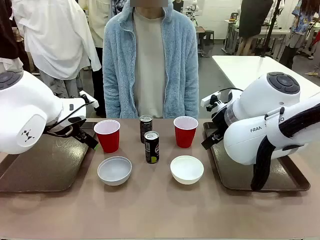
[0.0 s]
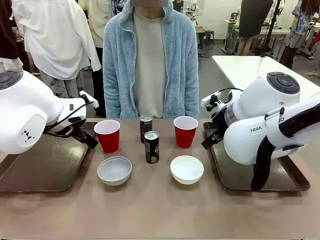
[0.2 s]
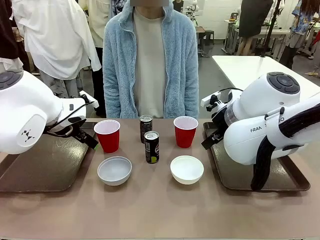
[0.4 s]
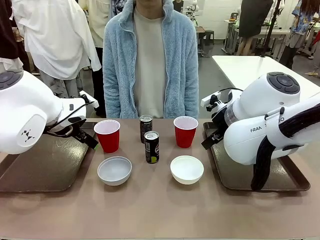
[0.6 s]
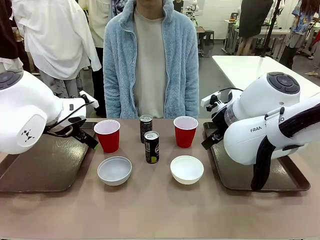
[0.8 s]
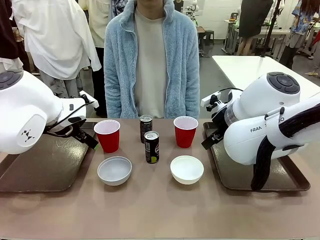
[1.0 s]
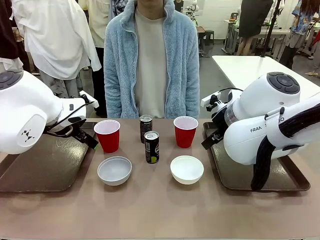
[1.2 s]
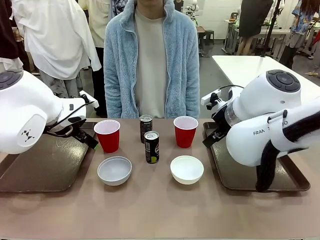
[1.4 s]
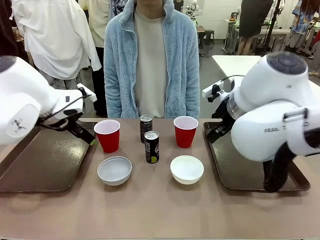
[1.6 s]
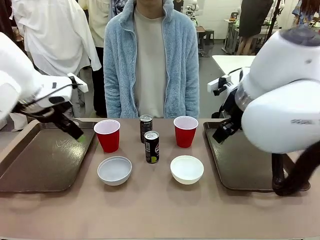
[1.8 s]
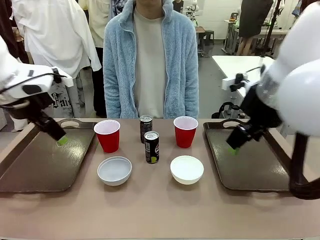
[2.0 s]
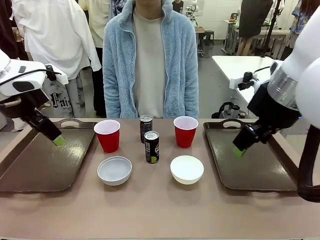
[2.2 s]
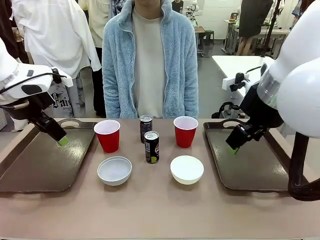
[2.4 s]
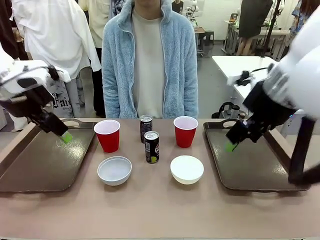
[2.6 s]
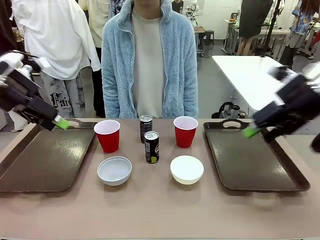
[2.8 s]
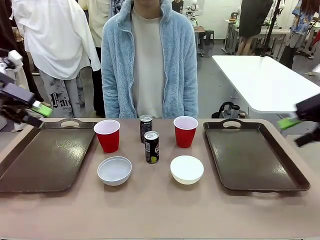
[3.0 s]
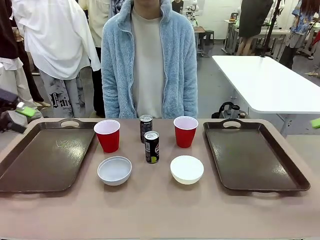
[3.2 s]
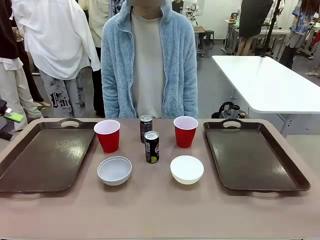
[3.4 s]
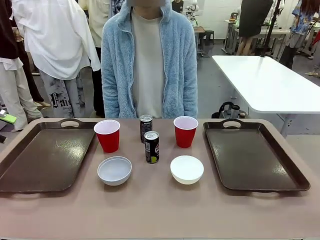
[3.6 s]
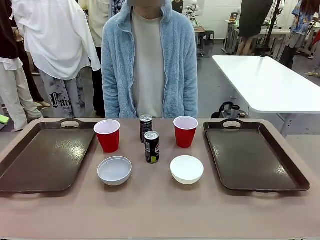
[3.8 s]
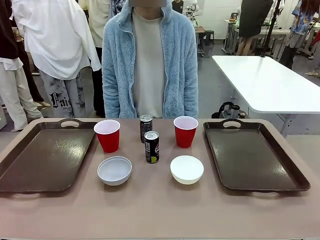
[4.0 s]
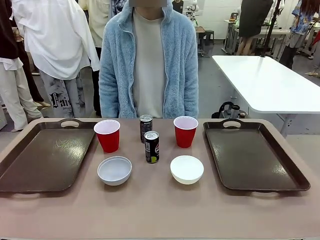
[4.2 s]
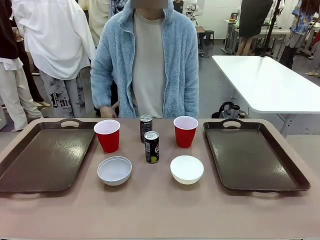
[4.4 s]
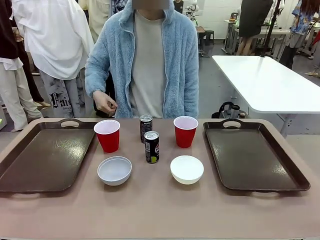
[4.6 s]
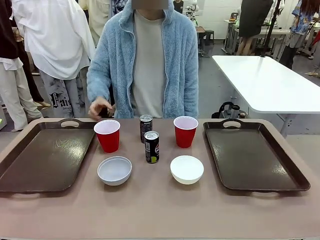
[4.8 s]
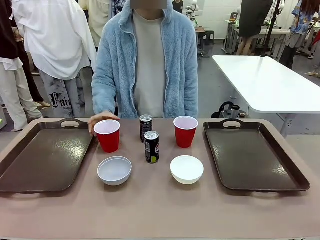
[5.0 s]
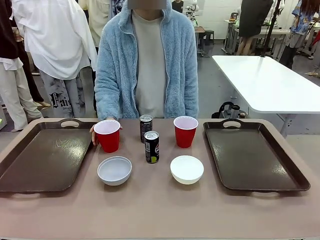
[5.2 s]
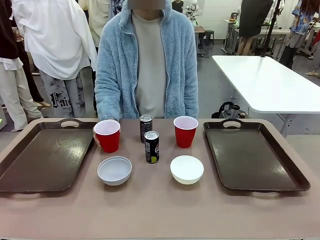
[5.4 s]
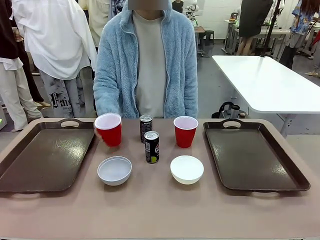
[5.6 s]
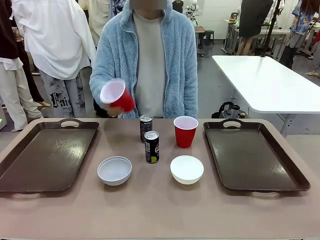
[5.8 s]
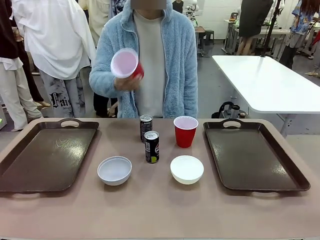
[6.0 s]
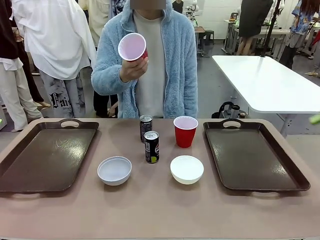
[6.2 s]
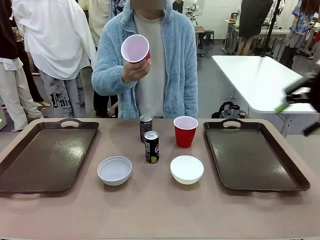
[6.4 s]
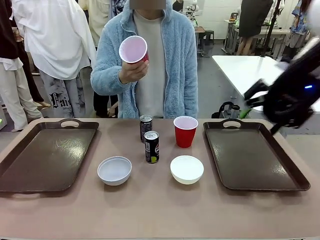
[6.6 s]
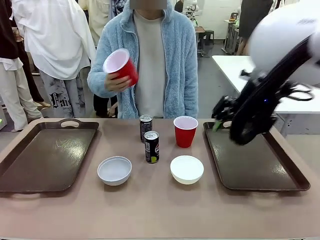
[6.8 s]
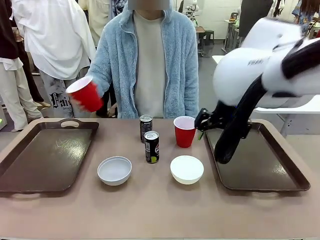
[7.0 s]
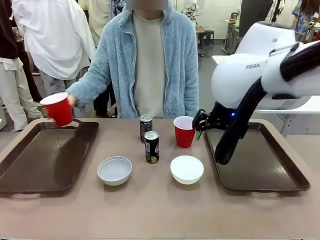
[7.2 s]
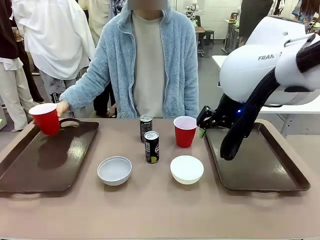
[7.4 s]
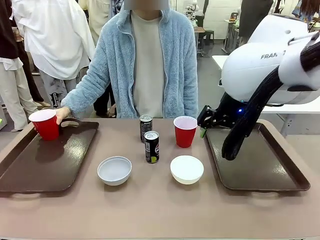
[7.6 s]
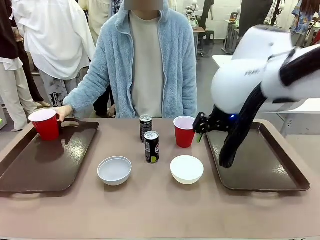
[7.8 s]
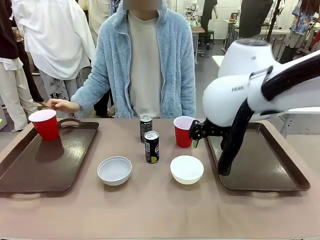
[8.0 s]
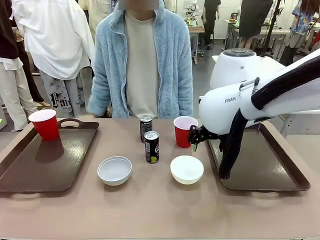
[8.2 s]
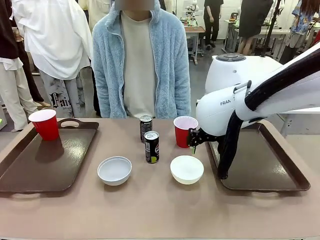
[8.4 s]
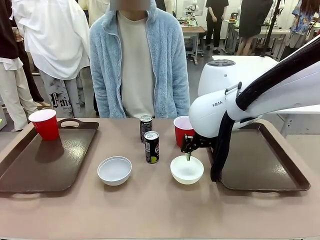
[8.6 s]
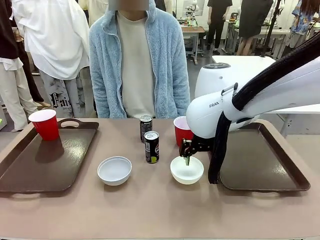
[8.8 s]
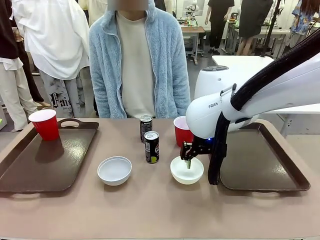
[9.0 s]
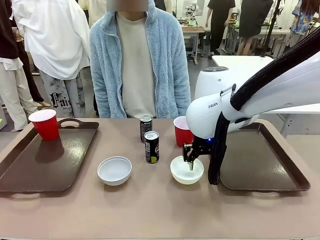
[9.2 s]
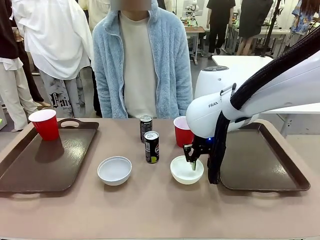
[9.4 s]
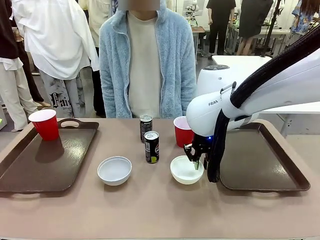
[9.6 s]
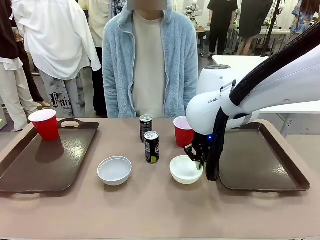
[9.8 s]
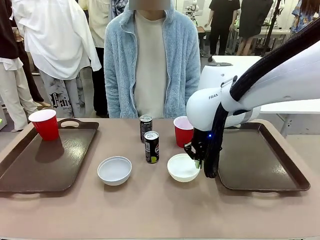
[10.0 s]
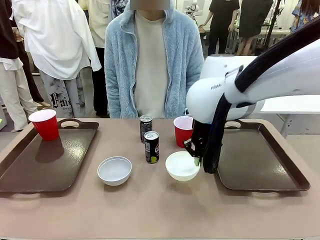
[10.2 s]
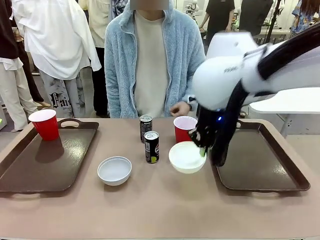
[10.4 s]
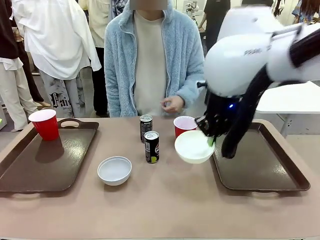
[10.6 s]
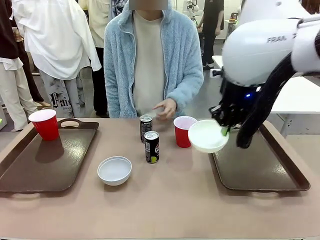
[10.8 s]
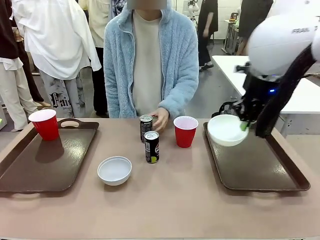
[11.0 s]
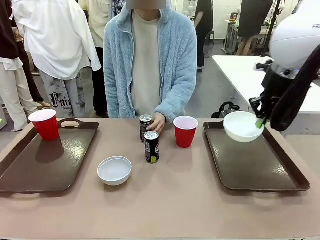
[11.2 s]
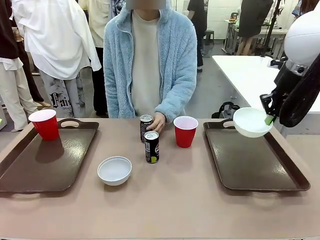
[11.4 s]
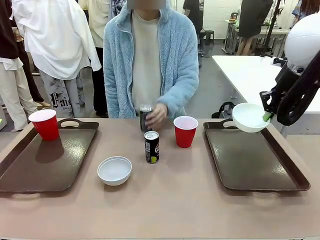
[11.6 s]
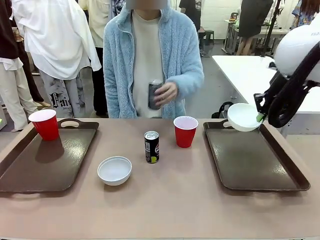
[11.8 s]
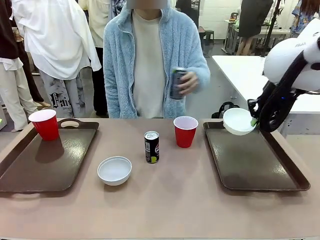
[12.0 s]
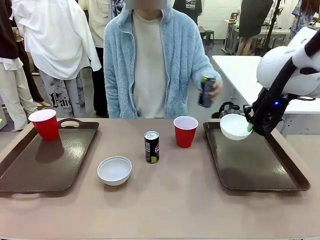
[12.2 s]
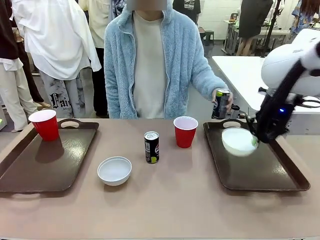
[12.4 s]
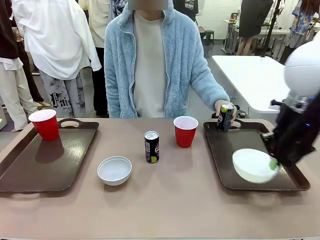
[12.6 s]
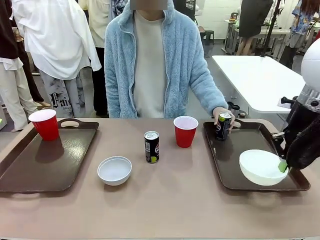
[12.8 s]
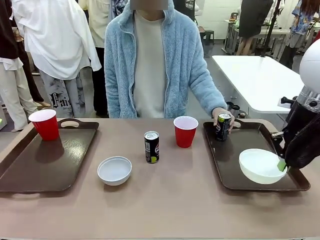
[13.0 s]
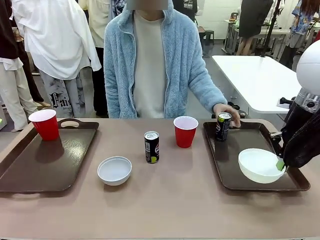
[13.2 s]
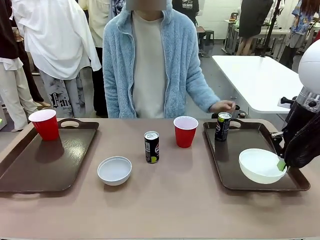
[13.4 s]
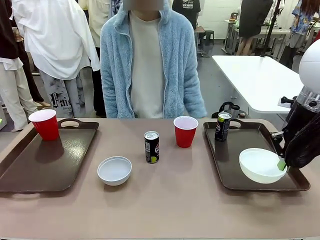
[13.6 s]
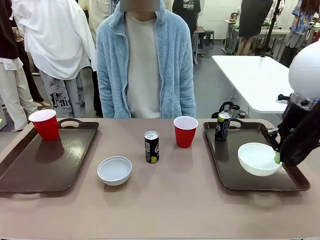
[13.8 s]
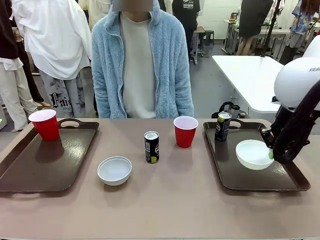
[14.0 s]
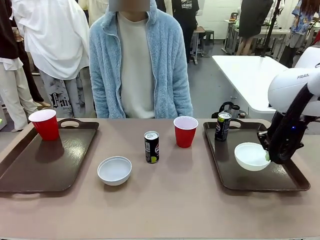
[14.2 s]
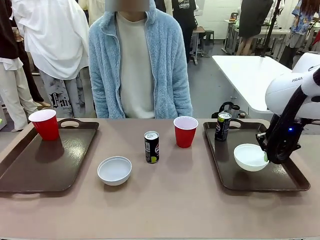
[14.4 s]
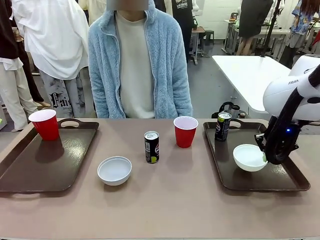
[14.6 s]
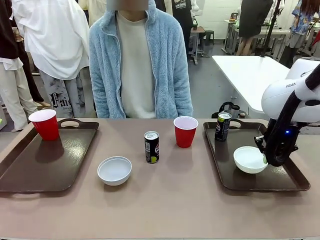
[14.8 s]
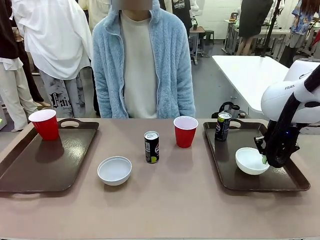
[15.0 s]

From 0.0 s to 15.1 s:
Task: Prepare tableware on both trays.
Robot: Pick up a Picnic Bowl from the table and place it on a Handle tray.
Person: Pick up a can or cup and place it on the tray.
